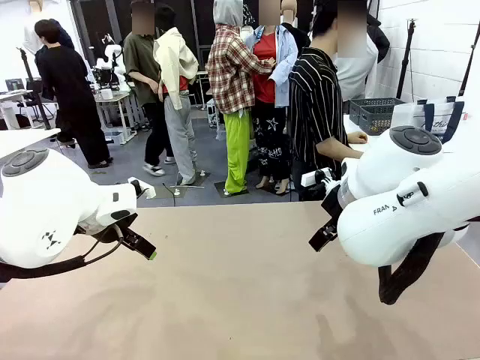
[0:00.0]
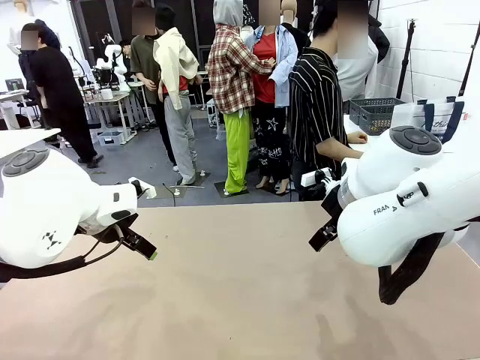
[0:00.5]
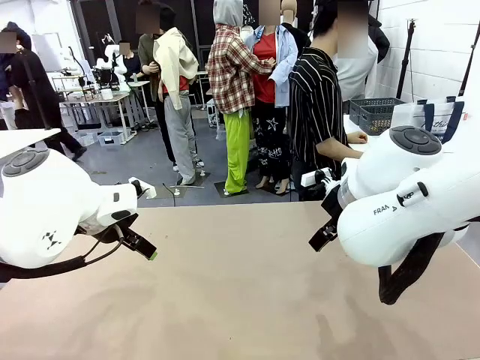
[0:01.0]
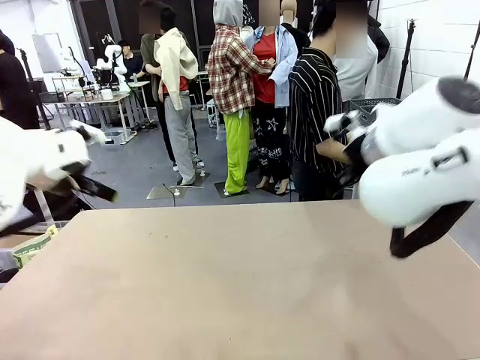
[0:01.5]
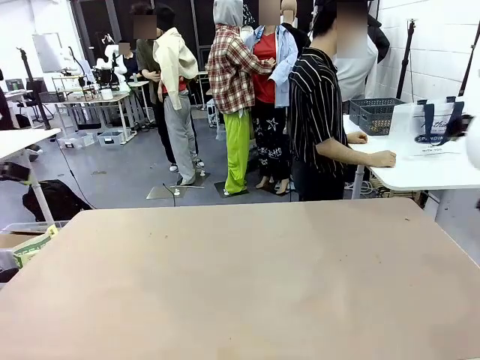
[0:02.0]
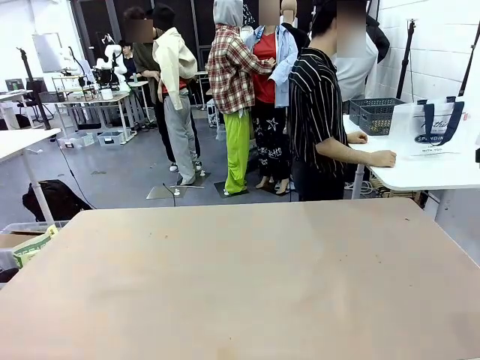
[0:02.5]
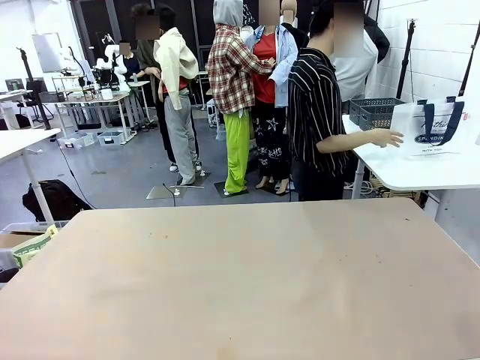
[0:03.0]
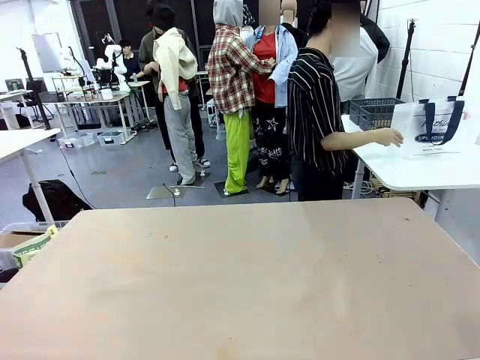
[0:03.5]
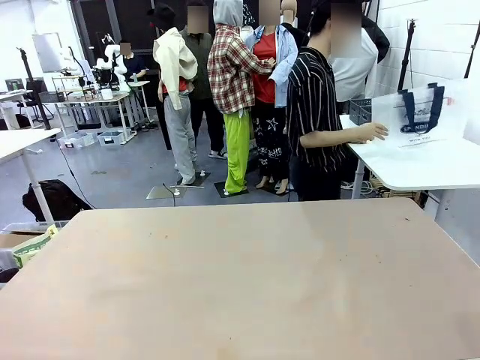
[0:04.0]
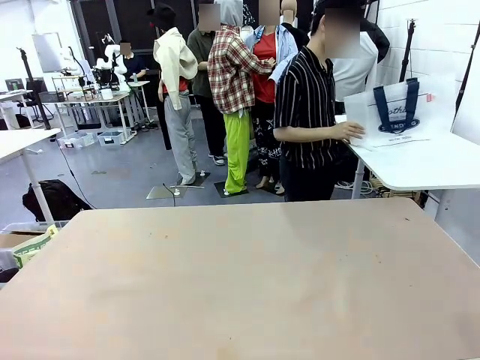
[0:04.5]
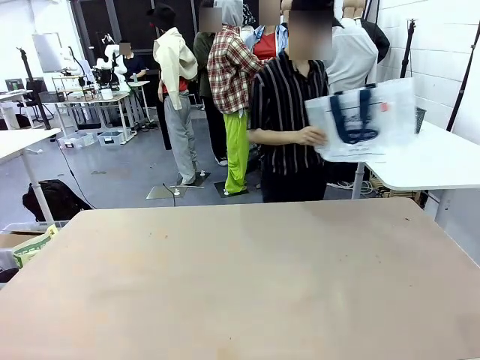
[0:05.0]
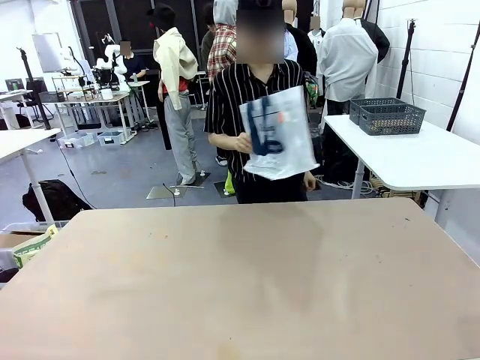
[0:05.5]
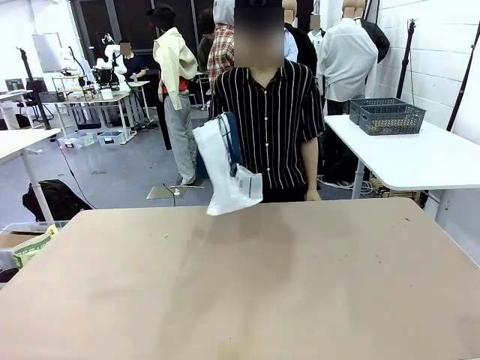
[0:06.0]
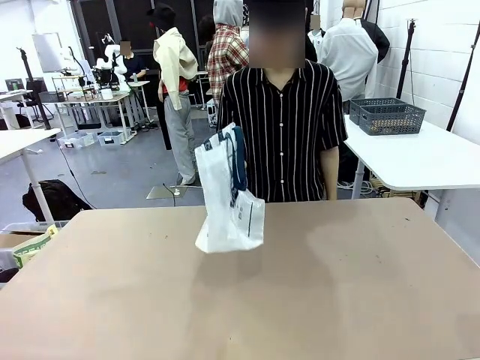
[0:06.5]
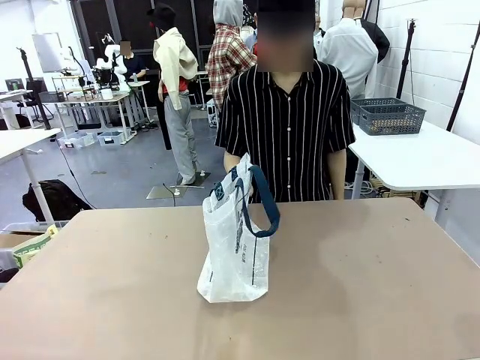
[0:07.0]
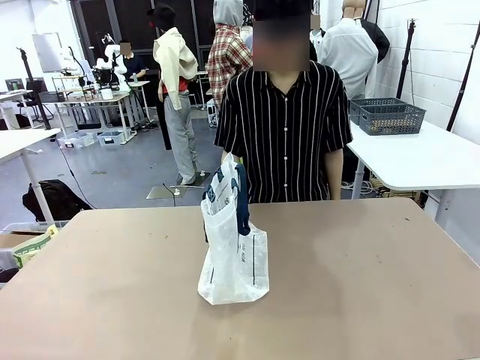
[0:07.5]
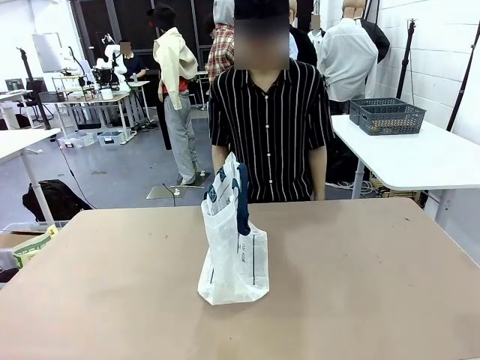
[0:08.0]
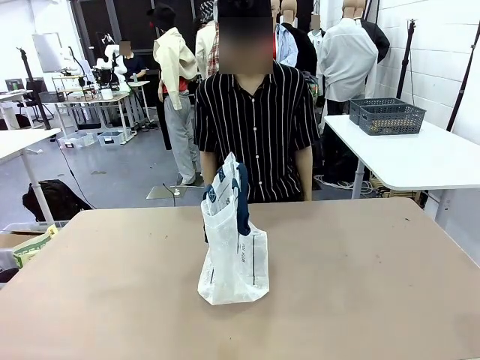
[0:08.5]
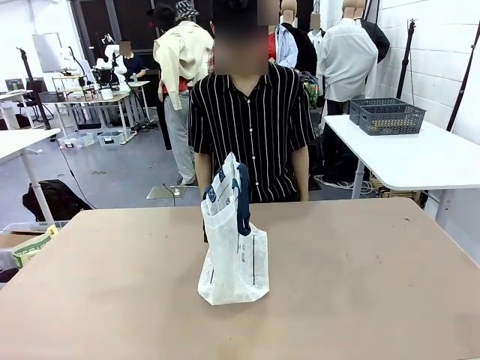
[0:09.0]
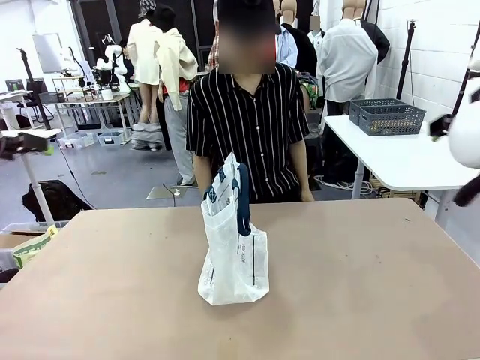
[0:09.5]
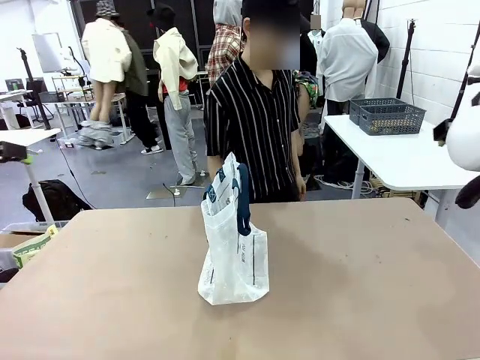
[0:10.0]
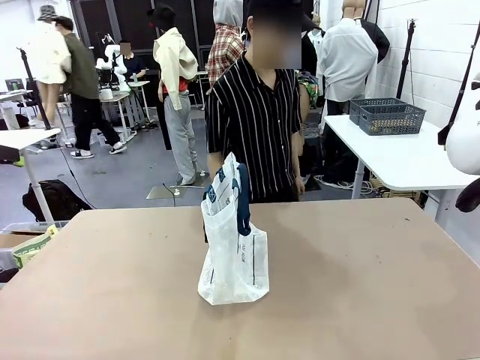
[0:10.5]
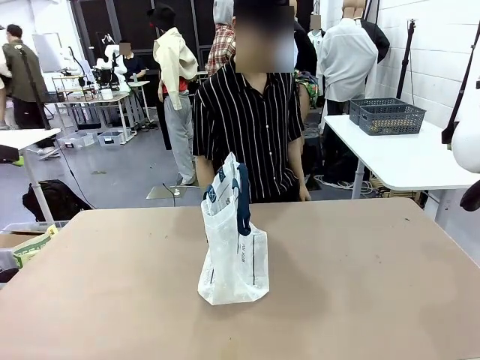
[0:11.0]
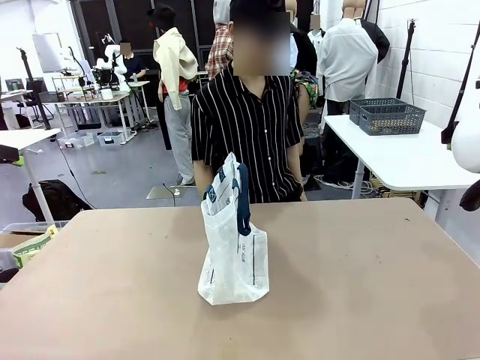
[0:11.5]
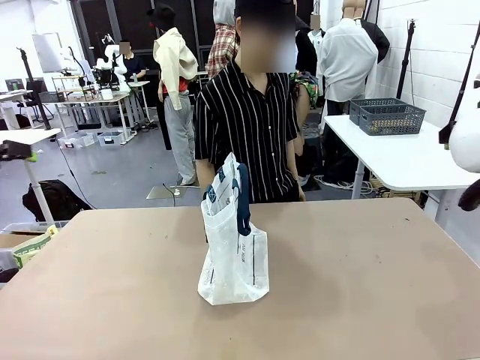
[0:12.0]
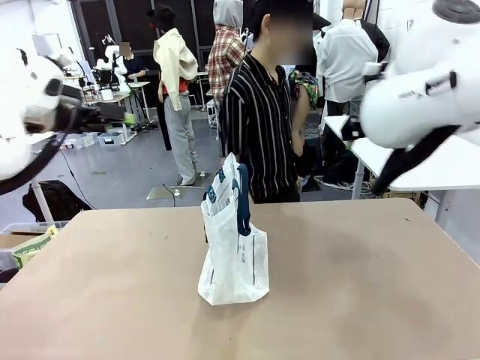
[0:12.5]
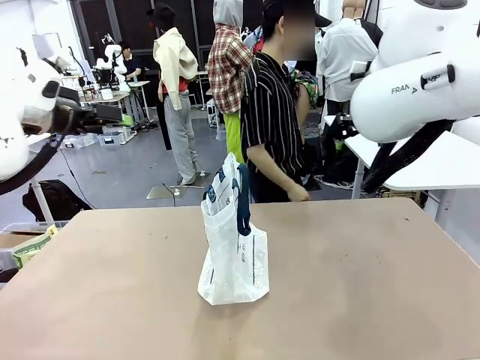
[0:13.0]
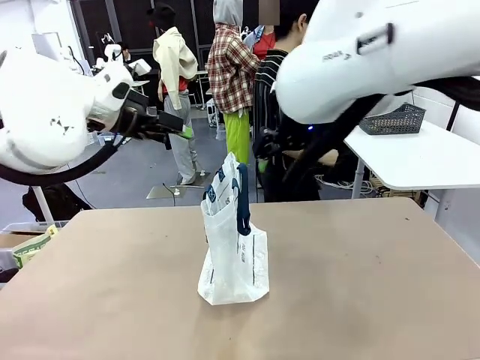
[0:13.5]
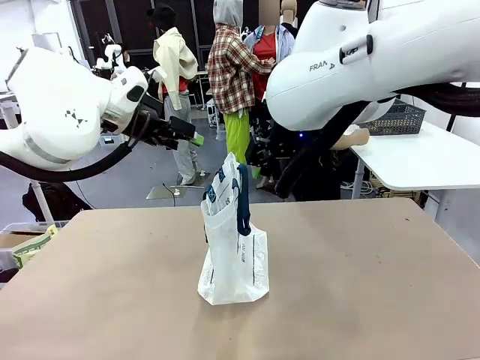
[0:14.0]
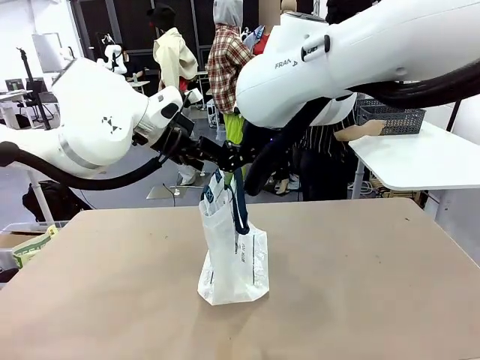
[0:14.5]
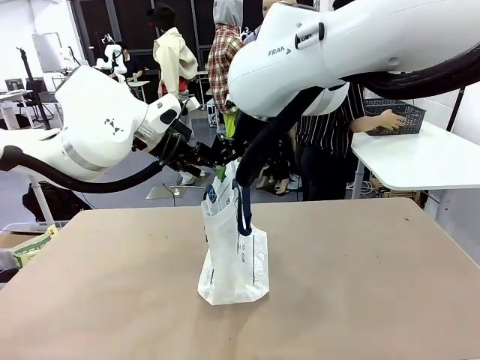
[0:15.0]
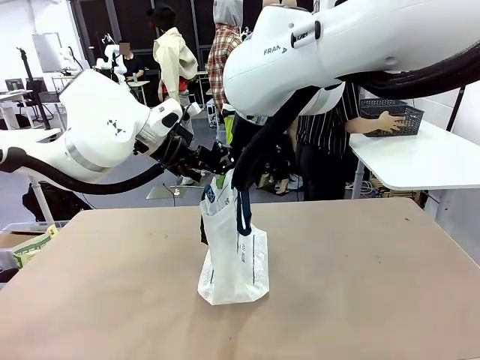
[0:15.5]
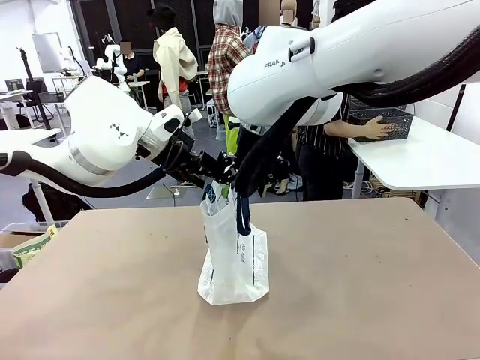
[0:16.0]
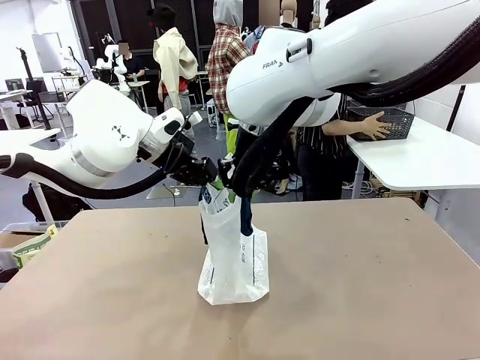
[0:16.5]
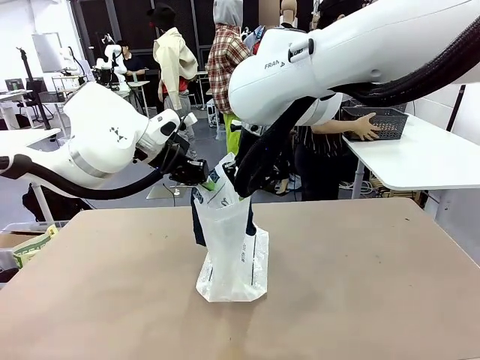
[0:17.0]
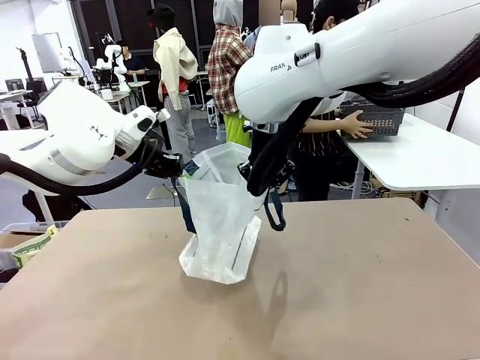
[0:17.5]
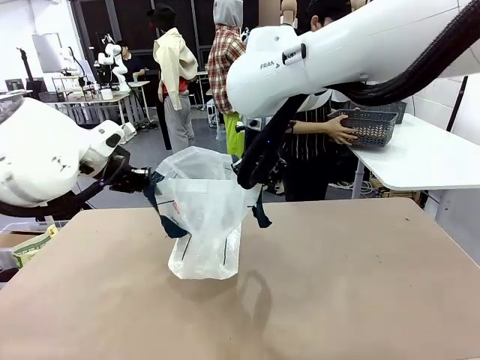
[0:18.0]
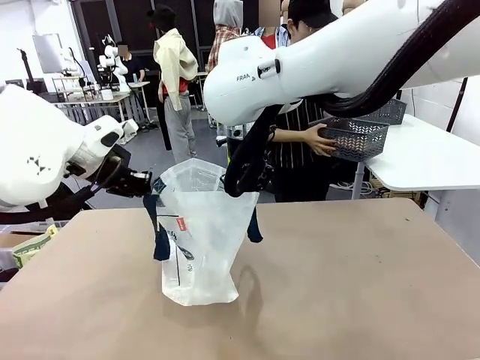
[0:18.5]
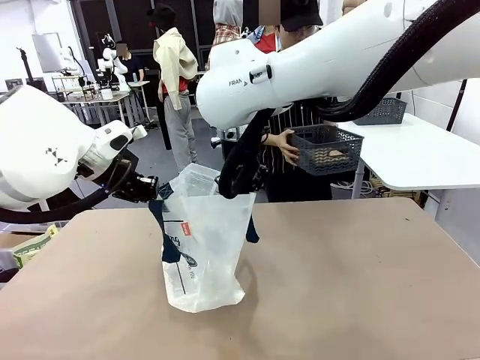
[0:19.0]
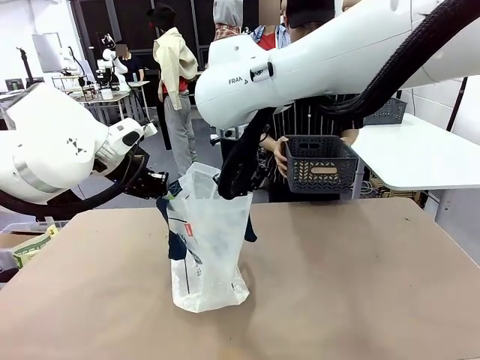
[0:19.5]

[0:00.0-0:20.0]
Task: Transfer purchased items from the store into the shopping bag.
Robot: Open the Reusable shopping bag in the center of the table.
Person: Pick up the shopping bag and place it in the middle of the robot table. Pick up the basket on the right, place it on the left side of the robot table, and move the items in the basket to the shopping bag.
